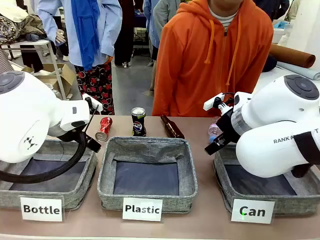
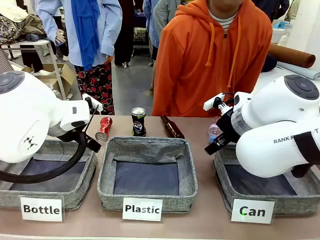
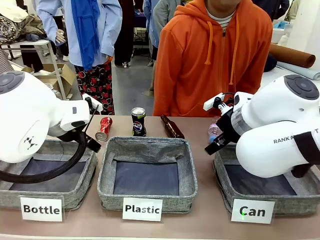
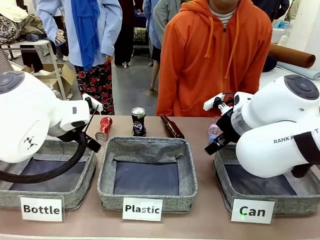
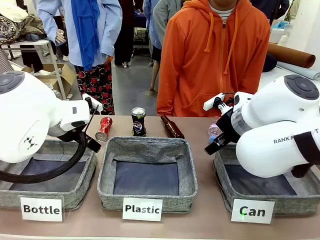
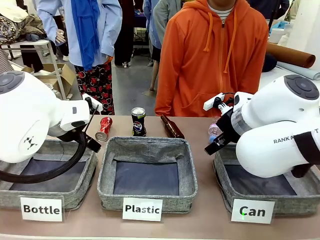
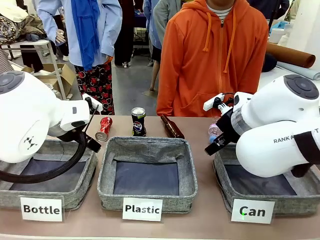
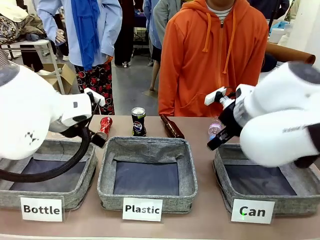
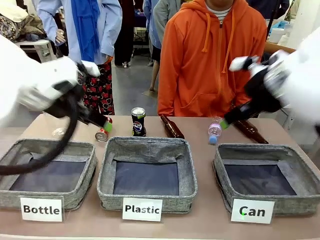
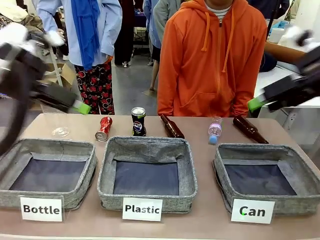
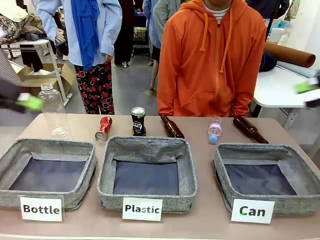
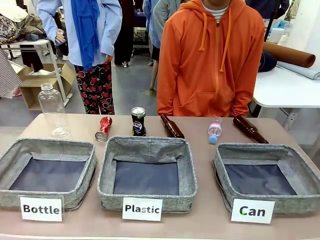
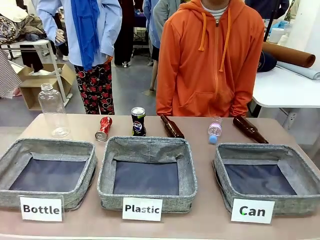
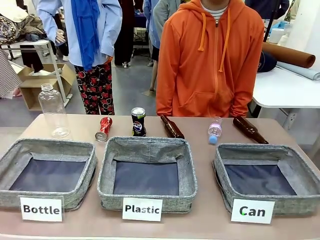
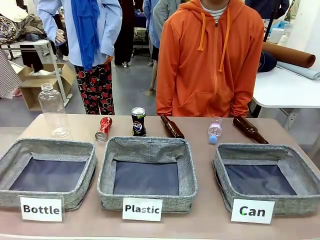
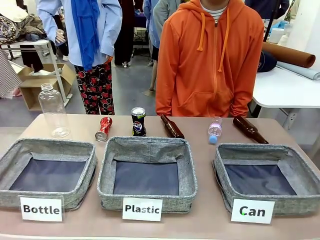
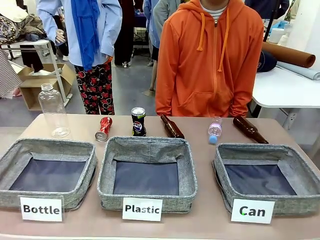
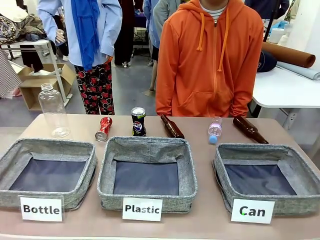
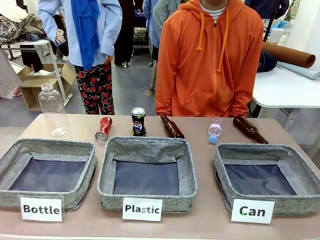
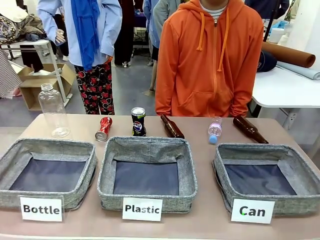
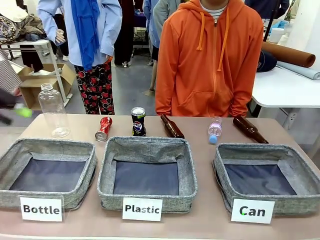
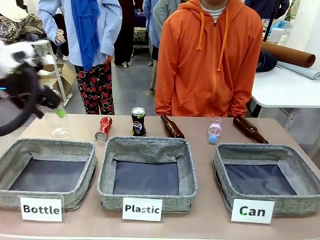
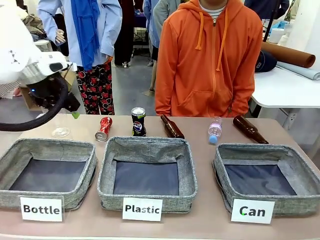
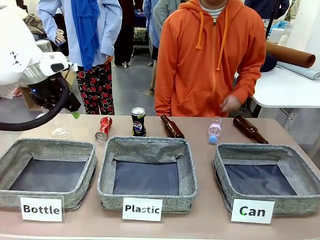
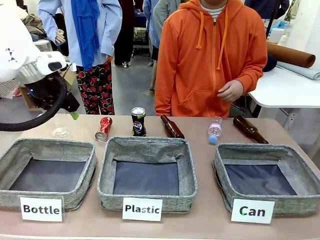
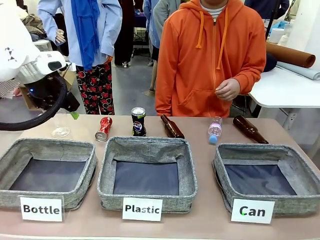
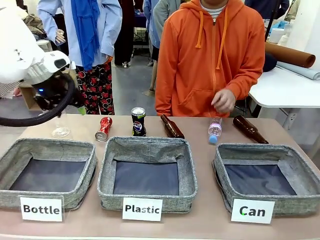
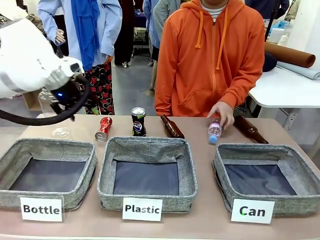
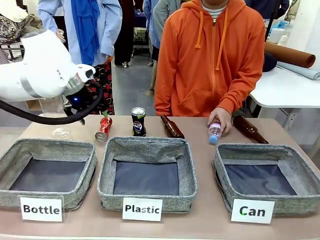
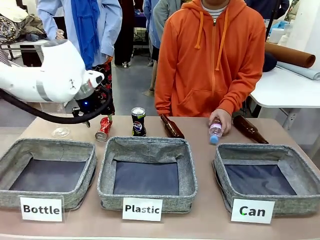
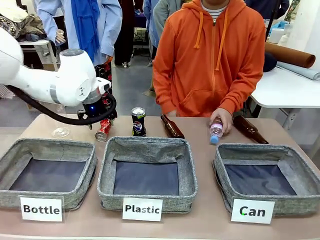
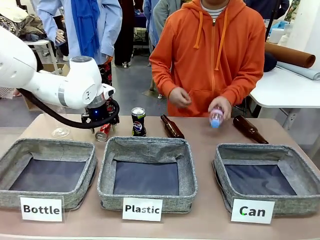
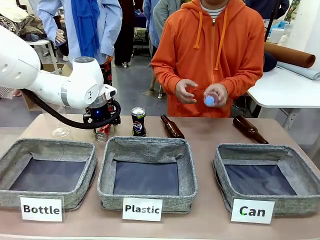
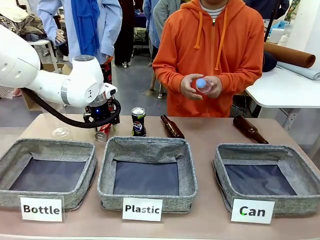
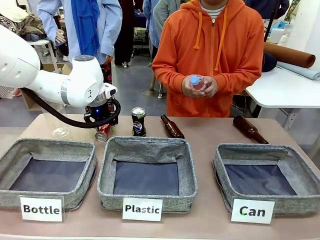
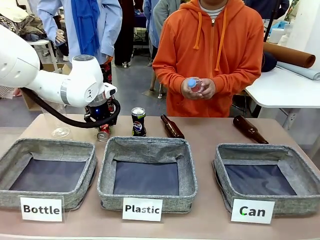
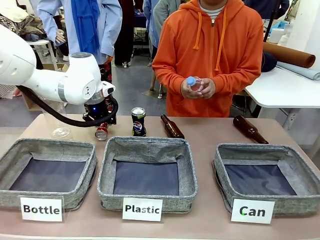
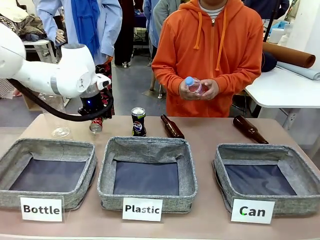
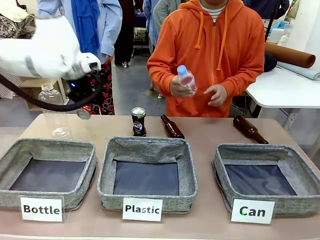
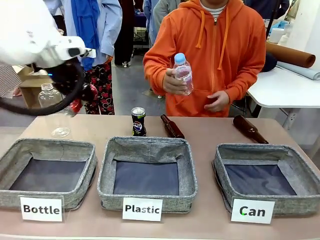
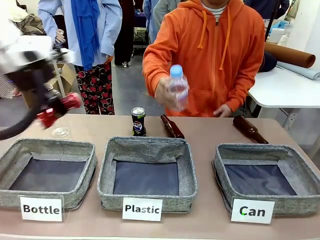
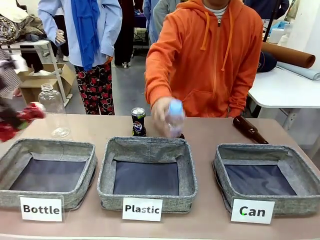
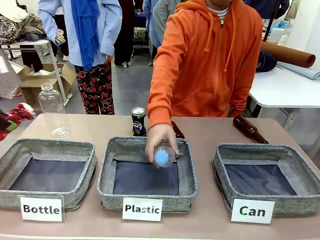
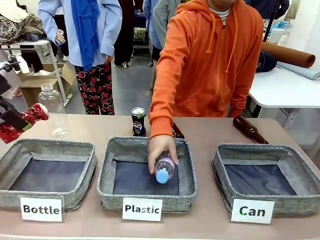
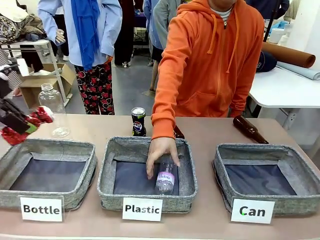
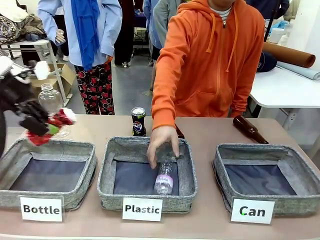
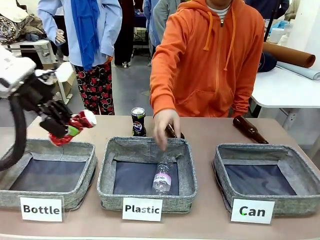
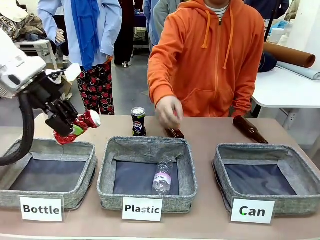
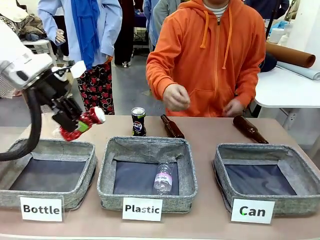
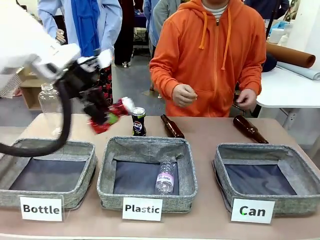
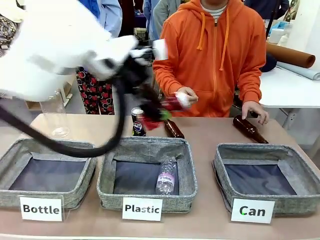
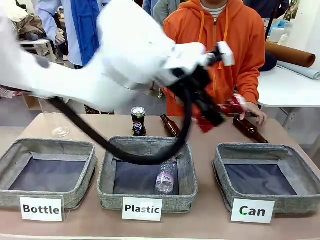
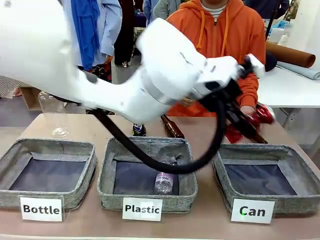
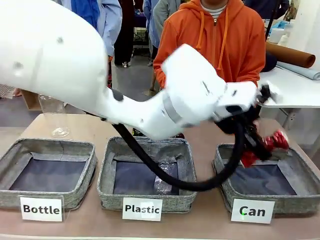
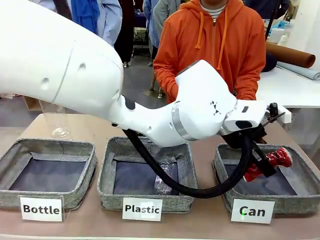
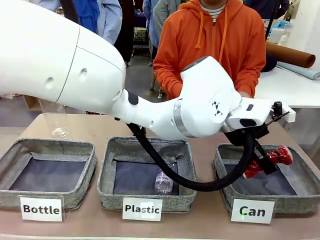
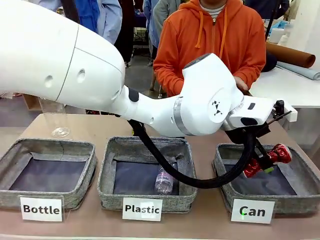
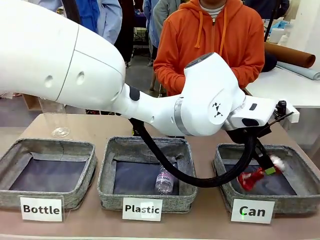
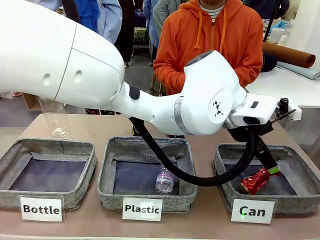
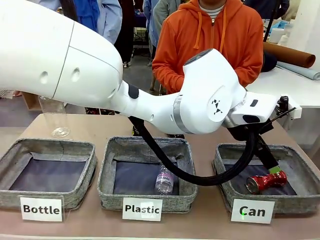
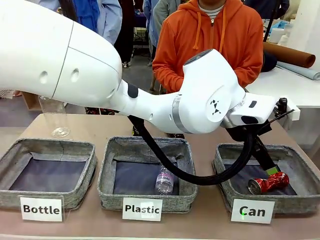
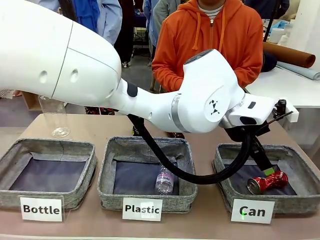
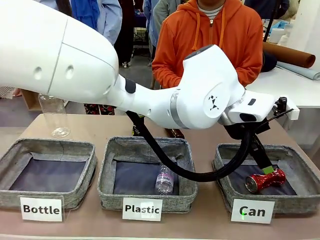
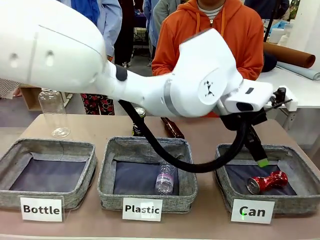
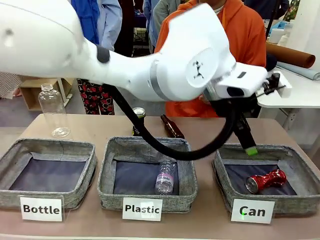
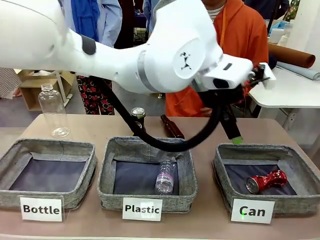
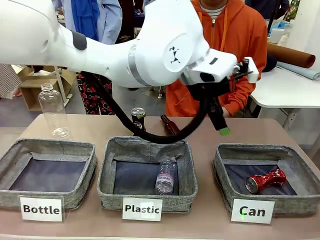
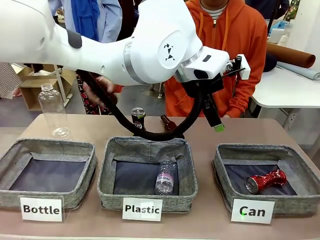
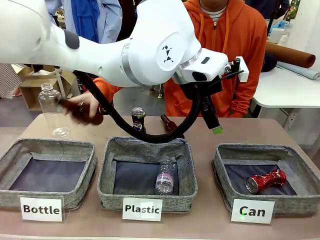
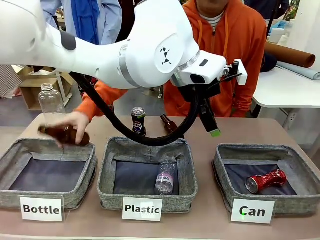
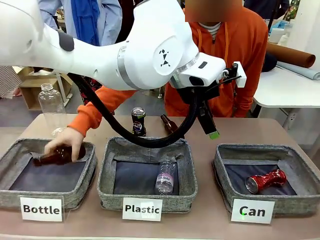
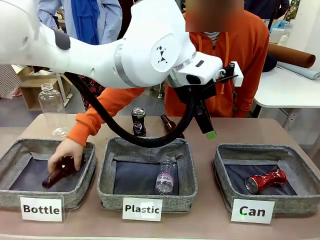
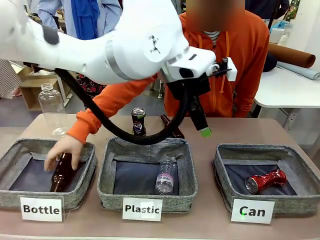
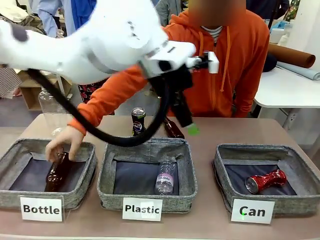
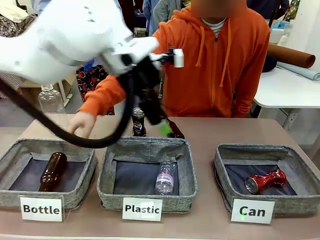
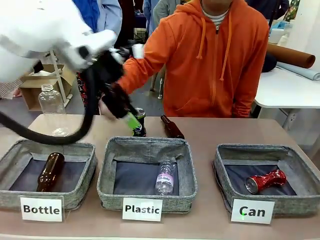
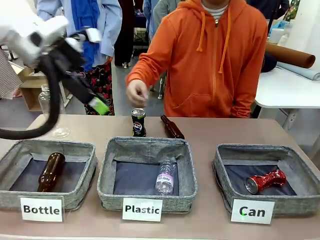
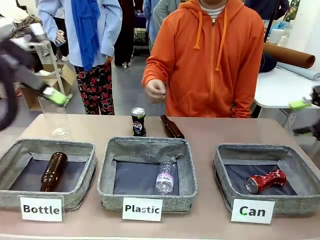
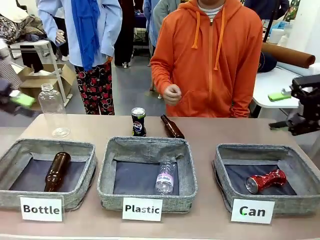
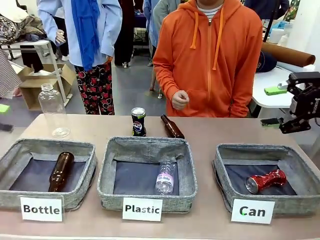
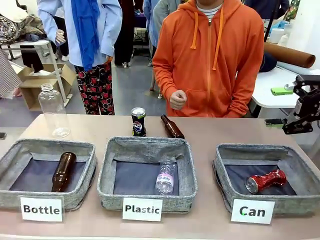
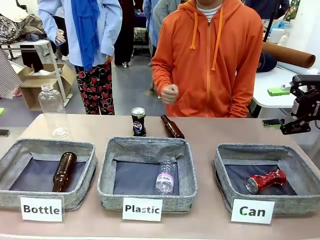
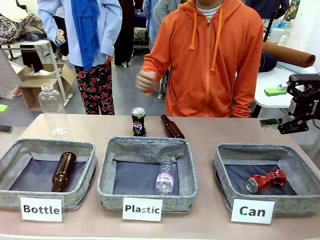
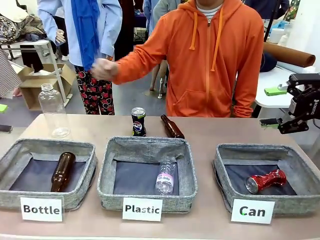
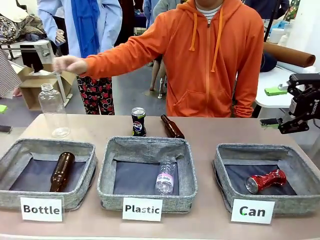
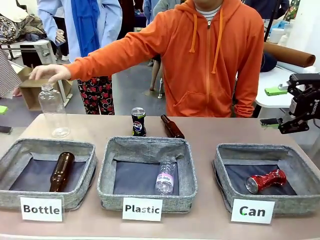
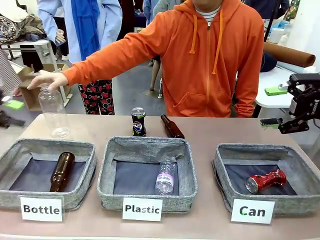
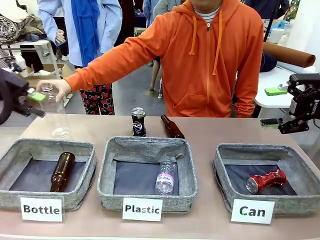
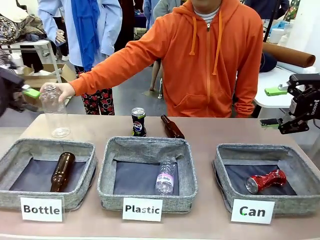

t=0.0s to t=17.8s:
Task: Sort the can waste into the basket.
Robot: Pick up the can waste from the table and place it in the right Fabric basket.
